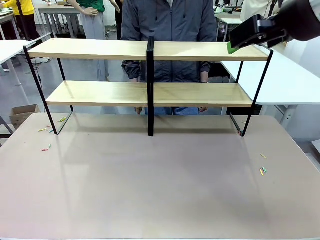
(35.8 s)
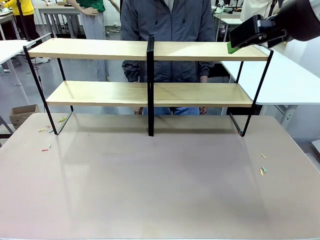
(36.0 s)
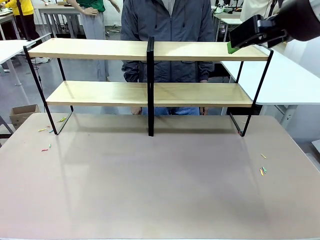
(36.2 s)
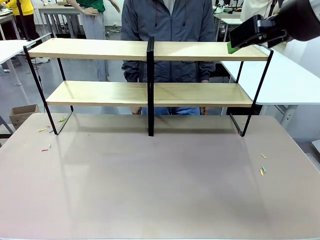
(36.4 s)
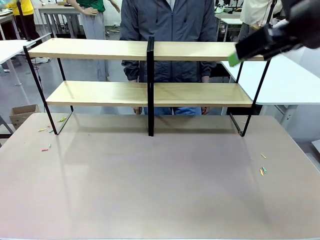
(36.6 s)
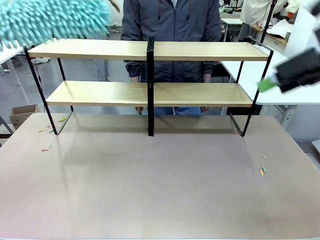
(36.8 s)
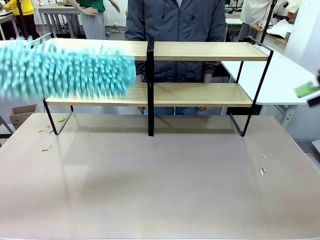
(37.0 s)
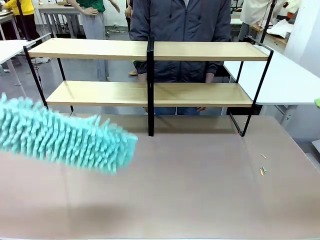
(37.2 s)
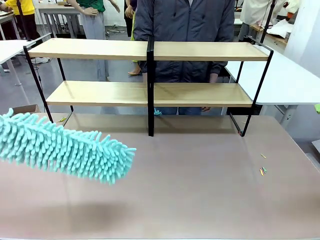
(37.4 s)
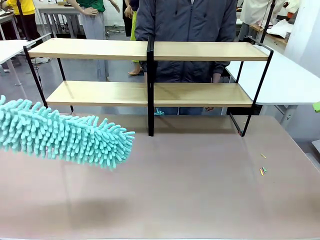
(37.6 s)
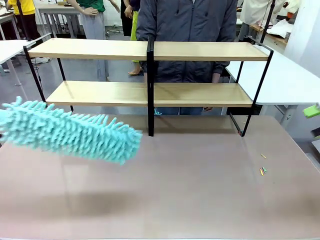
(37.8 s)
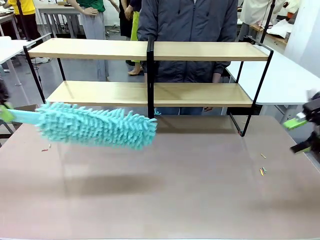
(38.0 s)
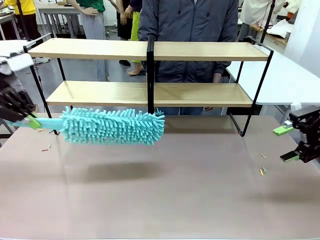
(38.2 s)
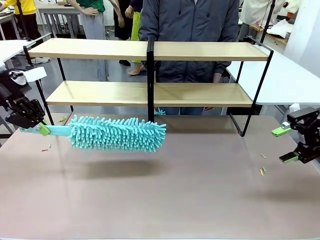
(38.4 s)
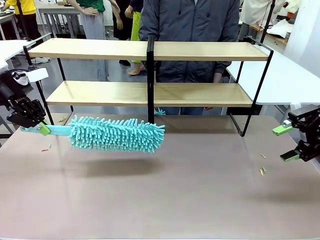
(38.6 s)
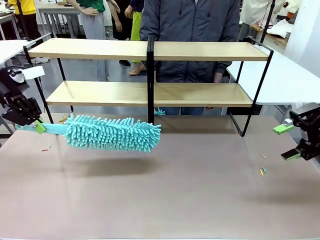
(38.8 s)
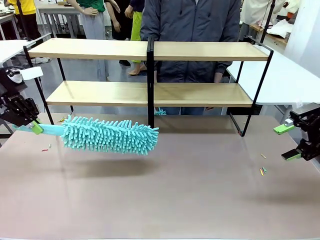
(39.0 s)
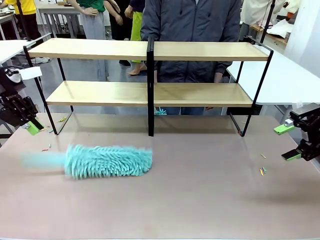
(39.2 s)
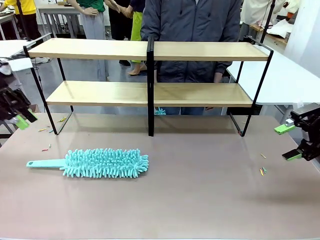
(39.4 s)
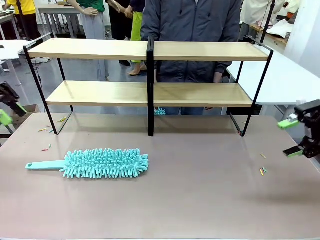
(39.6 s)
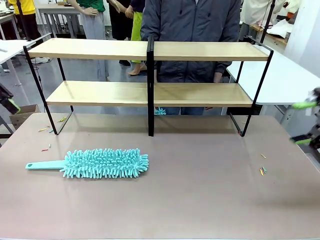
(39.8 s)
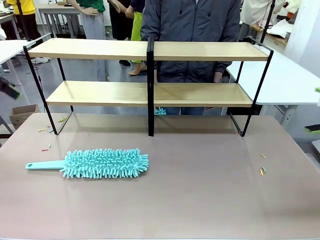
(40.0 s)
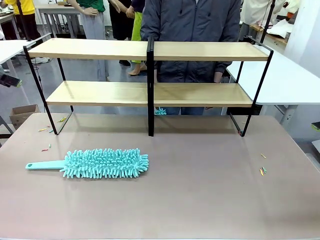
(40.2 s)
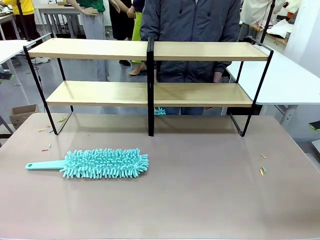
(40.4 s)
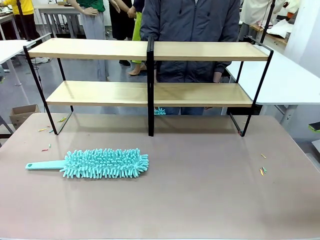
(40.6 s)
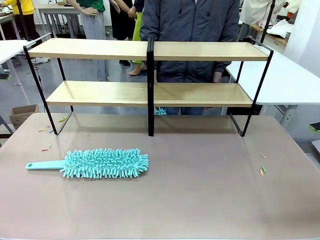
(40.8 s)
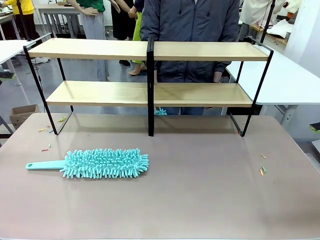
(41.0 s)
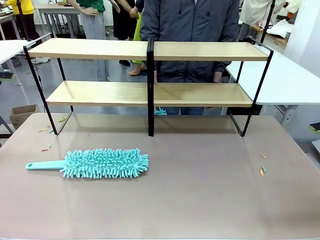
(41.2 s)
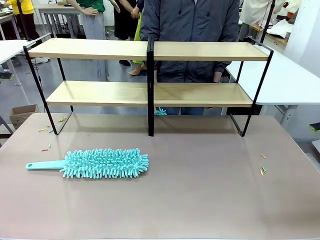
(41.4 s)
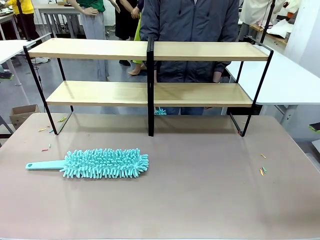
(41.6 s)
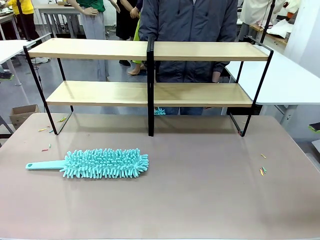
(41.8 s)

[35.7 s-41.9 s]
Task: Clean the shelves.
Robot: Place the Duster on the table.

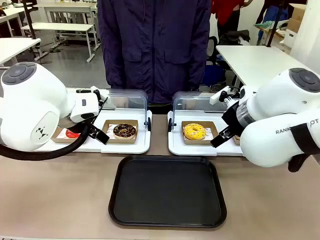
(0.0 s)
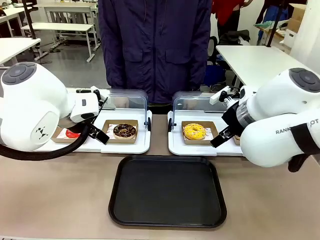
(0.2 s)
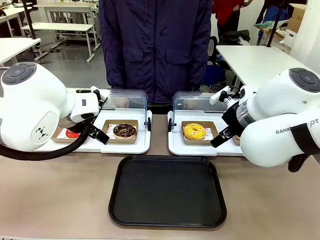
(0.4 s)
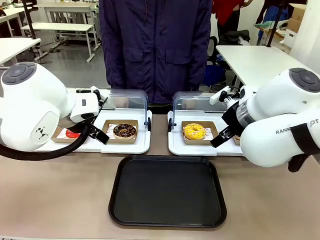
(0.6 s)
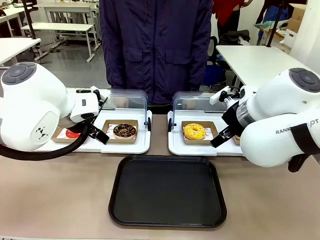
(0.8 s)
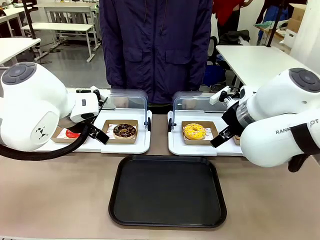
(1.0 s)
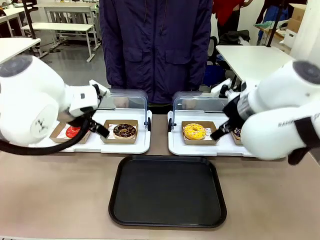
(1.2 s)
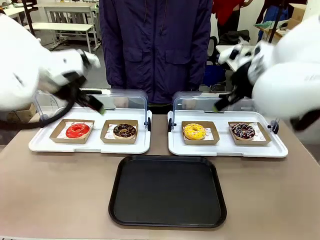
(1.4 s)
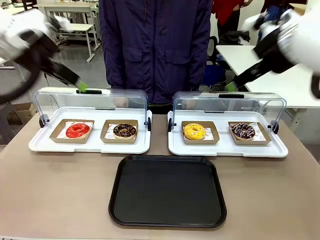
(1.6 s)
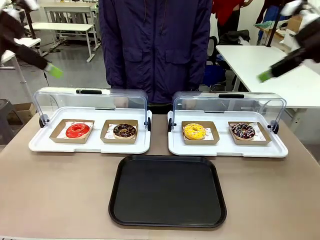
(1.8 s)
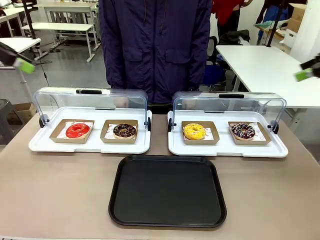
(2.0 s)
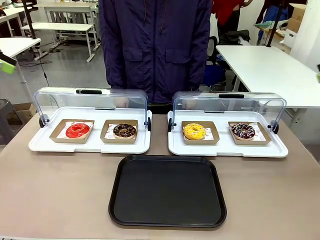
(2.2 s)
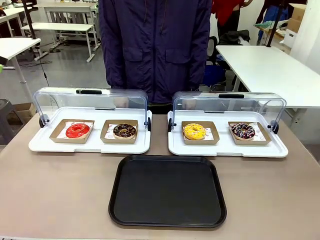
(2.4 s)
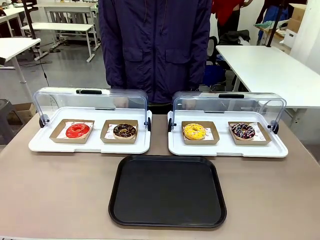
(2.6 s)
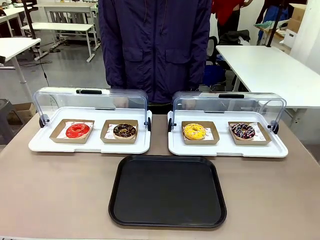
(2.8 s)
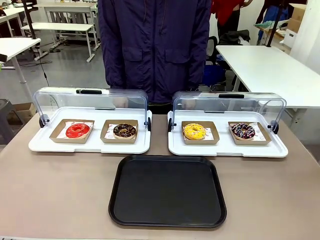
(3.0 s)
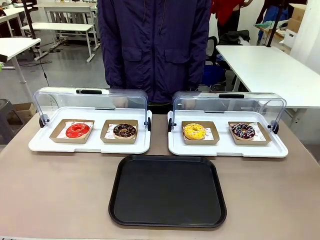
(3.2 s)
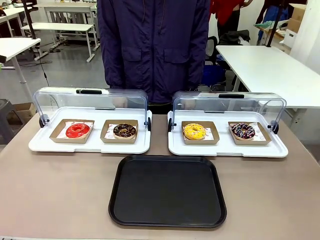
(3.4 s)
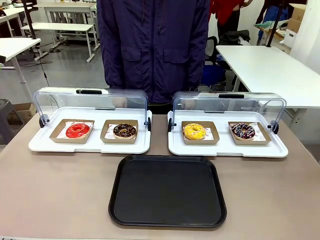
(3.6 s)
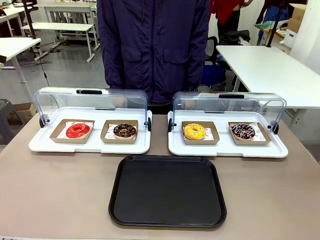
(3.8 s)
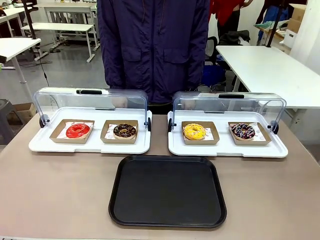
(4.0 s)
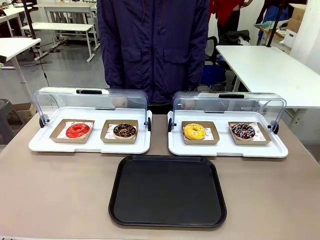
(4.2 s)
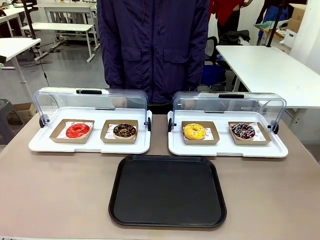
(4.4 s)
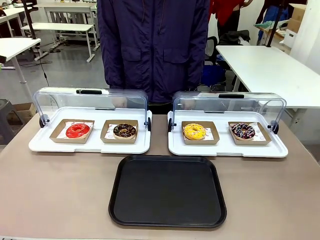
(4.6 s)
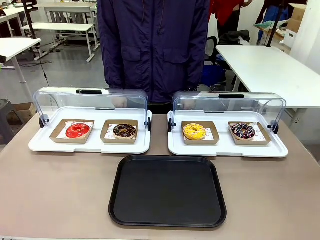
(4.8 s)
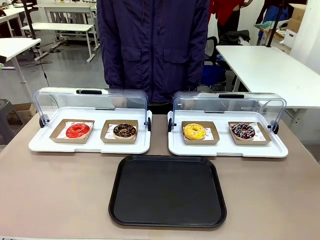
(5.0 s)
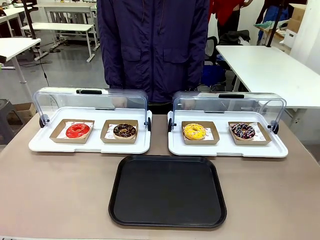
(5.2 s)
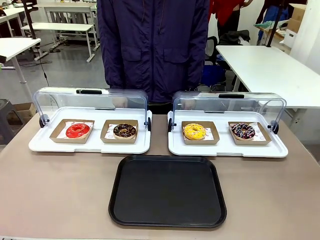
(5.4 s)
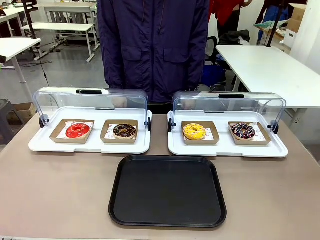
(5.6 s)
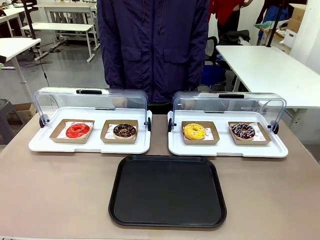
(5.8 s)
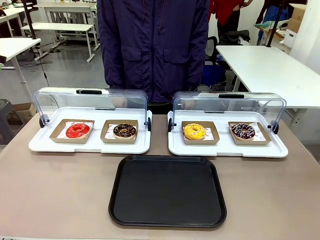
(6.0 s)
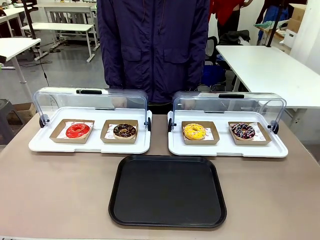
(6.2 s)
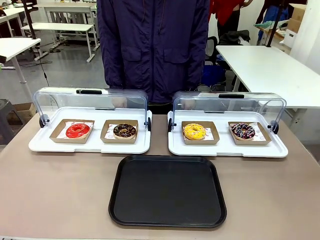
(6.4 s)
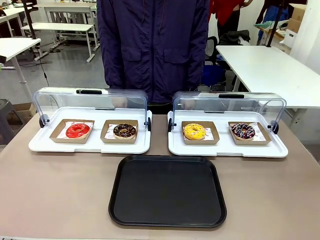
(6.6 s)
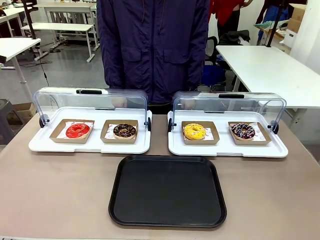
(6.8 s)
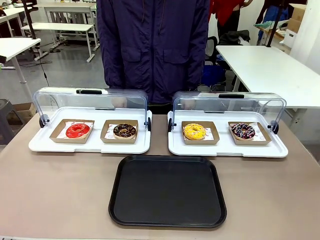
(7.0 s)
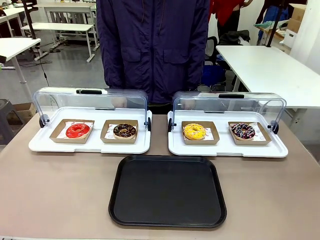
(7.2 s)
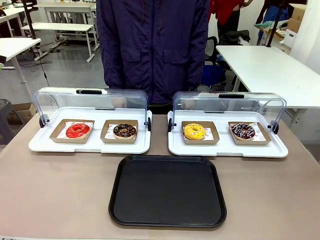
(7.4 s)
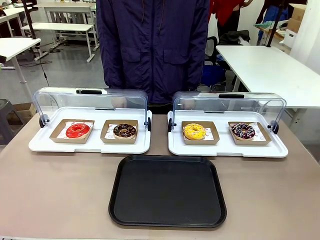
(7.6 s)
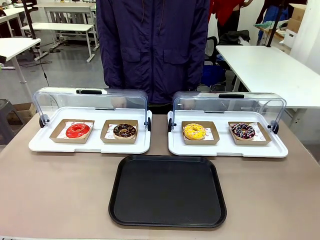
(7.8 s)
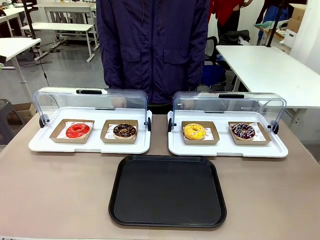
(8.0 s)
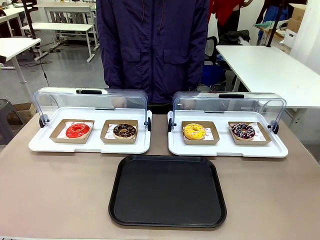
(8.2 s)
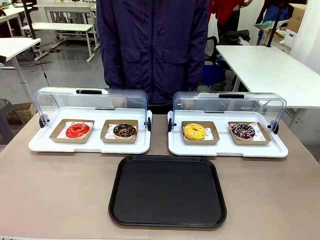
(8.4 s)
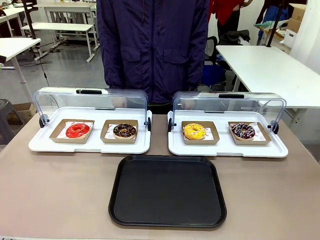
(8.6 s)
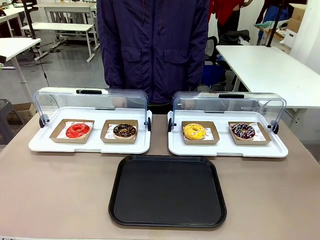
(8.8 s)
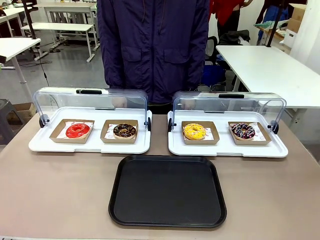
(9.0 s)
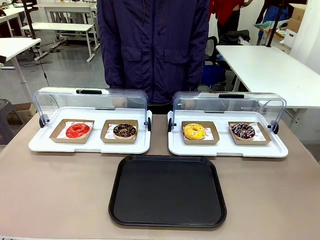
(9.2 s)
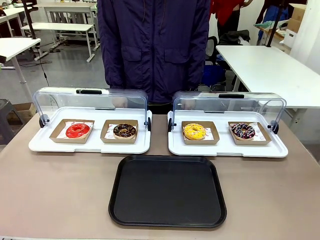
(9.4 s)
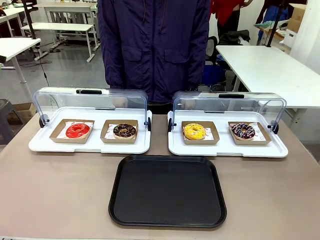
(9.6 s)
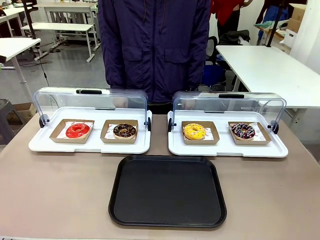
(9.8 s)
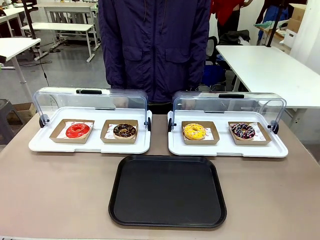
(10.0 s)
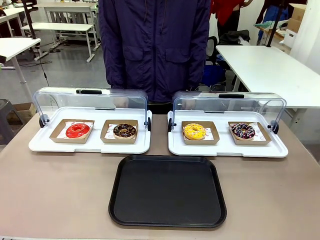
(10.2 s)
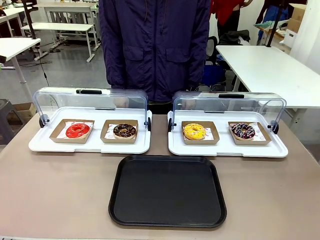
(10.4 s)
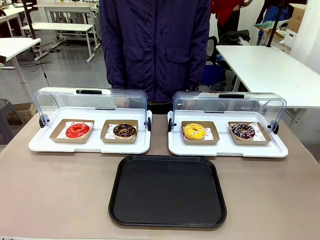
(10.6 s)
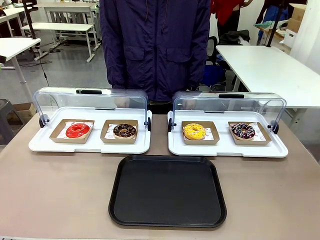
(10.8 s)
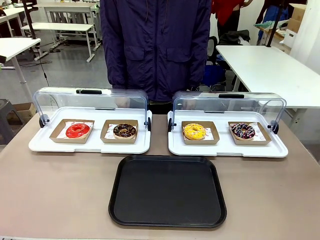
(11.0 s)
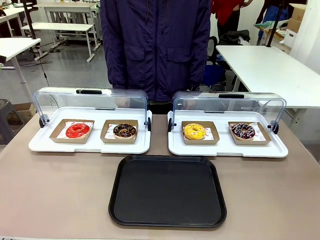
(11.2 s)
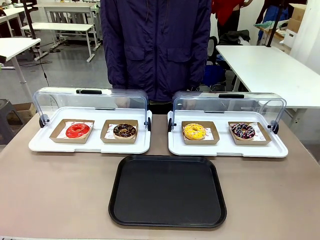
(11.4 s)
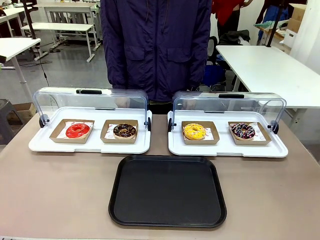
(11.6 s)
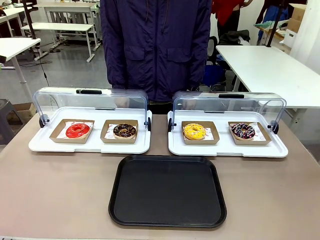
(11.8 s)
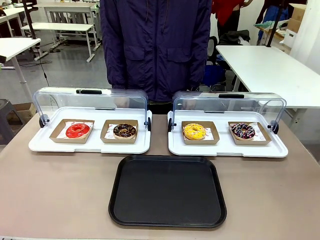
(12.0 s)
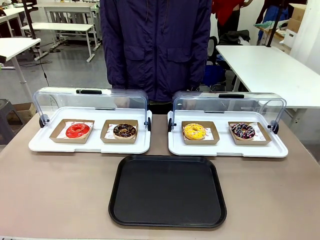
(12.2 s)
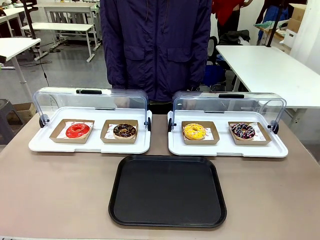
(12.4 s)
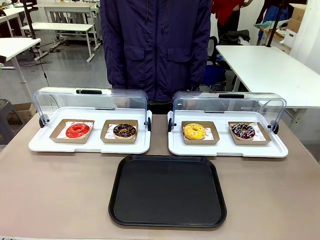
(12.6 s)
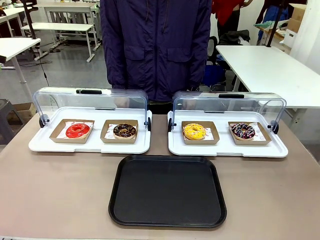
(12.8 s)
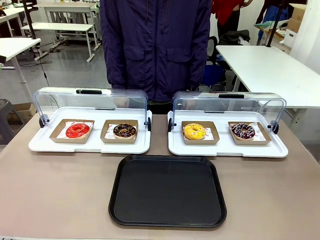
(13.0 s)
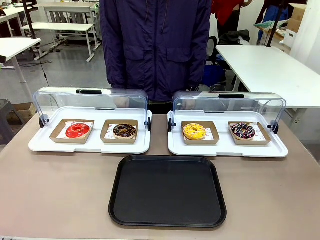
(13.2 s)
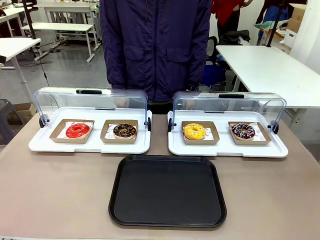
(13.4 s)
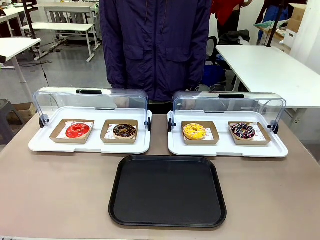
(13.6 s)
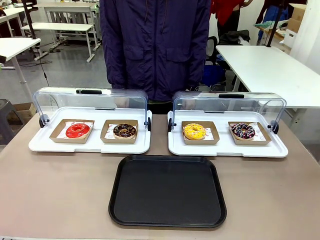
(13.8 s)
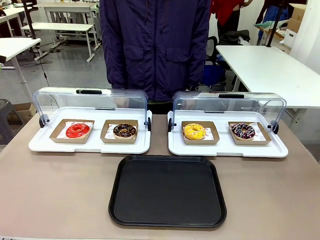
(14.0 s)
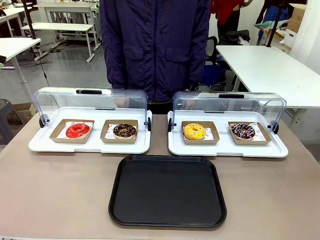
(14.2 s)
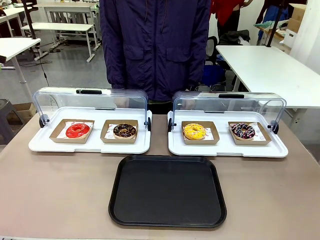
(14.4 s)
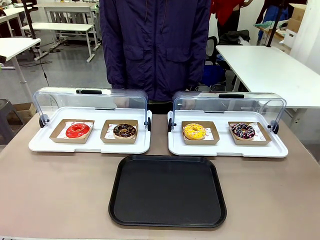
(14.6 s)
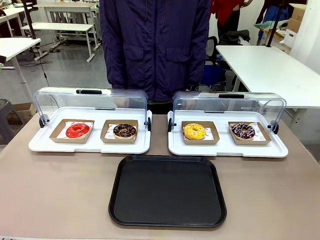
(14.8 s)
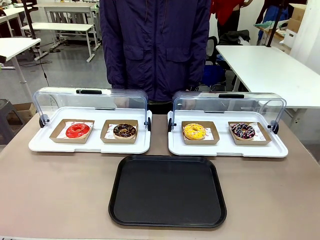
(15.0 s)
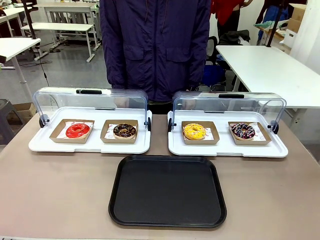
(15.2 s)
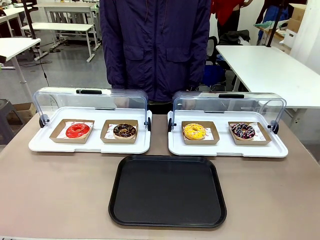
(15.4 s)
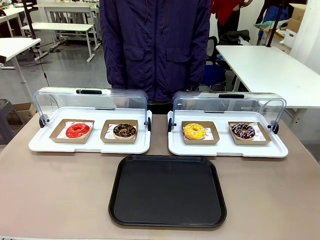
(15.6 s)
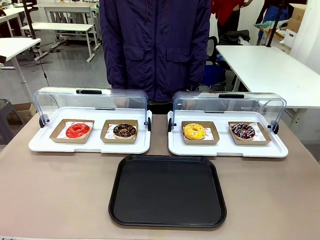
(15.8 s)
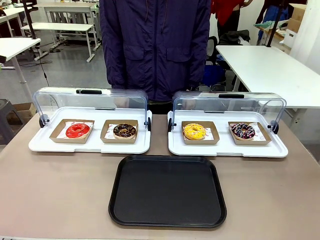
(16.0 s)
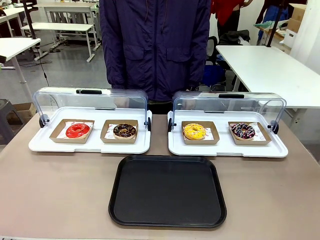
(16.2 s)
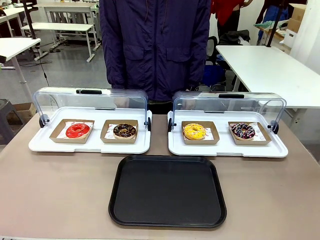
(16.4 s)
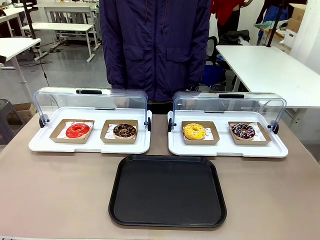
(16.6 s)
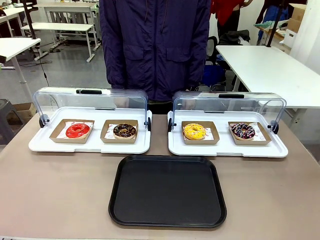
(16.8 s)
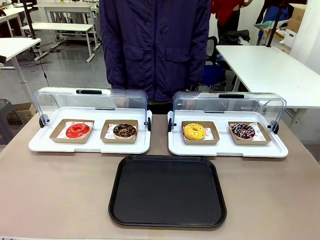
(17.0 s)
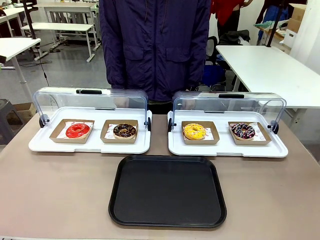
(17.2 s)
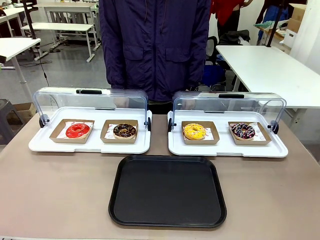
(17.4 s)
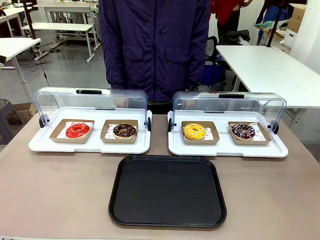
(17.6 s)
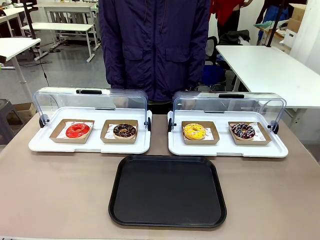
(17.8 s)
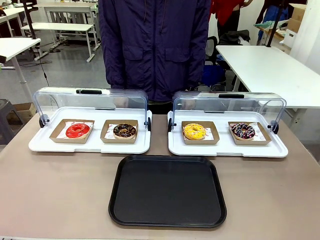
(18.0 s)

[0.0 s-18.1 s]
Task: Move the first donut from the left to the tray.
Robot: Pick up the Paper togo box containing the Donut indicated by the person and place it on the Handle tray.
